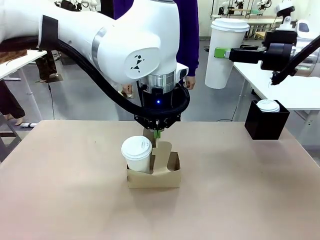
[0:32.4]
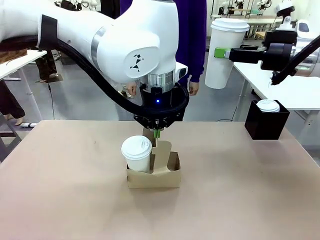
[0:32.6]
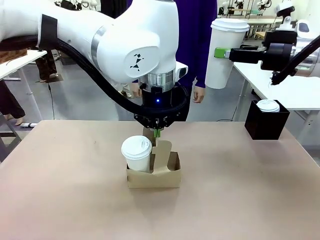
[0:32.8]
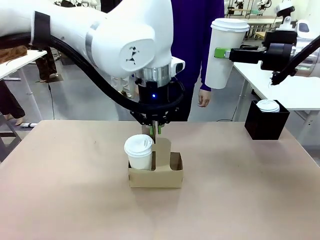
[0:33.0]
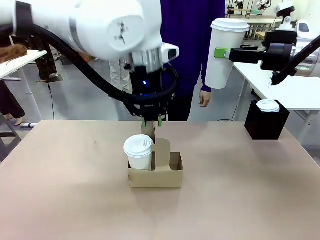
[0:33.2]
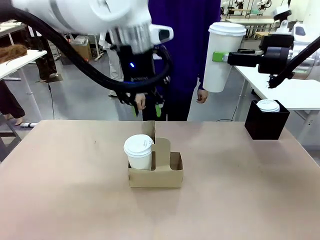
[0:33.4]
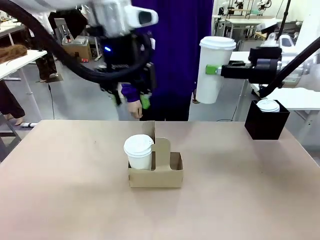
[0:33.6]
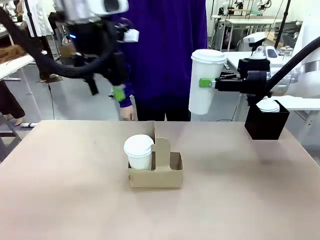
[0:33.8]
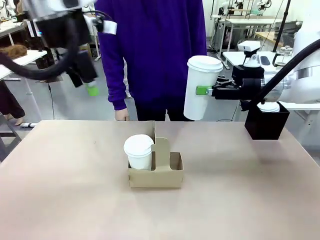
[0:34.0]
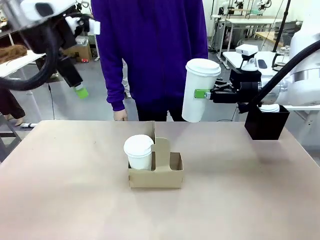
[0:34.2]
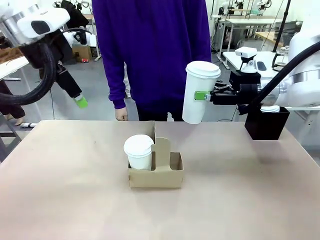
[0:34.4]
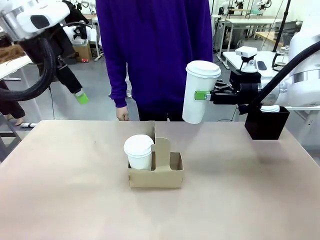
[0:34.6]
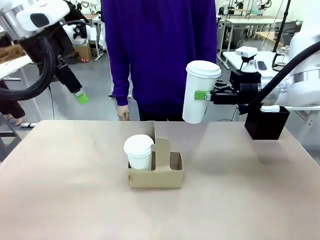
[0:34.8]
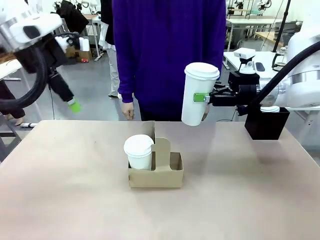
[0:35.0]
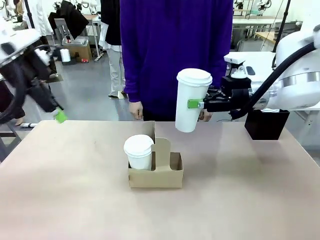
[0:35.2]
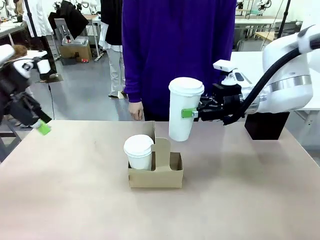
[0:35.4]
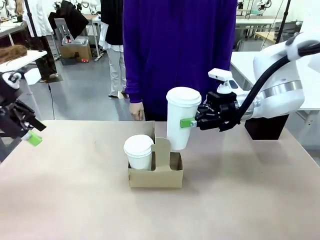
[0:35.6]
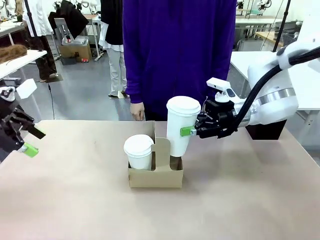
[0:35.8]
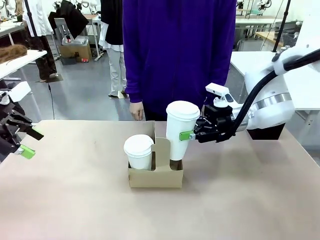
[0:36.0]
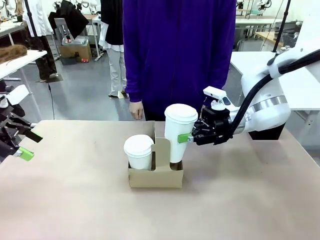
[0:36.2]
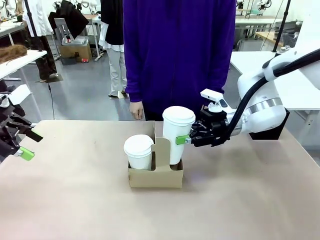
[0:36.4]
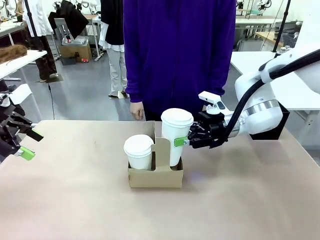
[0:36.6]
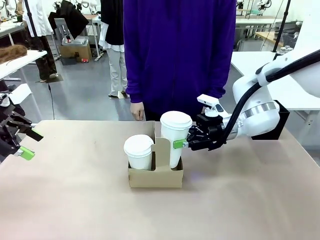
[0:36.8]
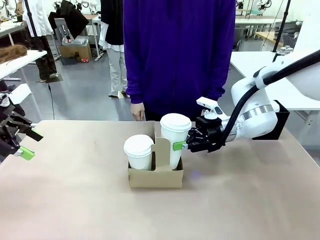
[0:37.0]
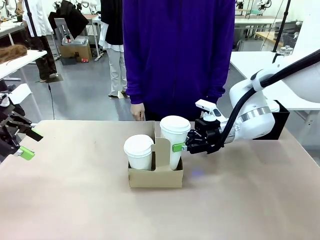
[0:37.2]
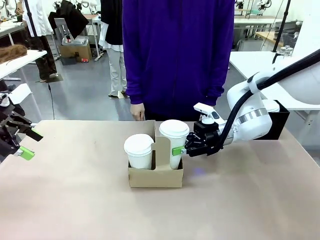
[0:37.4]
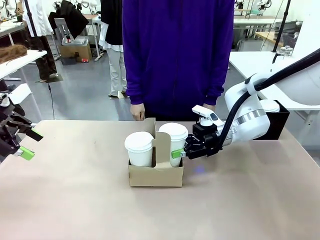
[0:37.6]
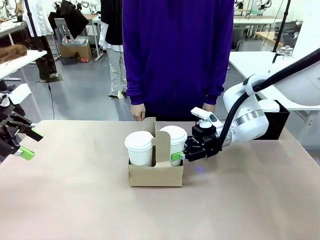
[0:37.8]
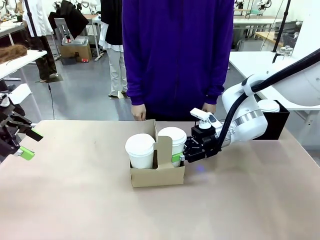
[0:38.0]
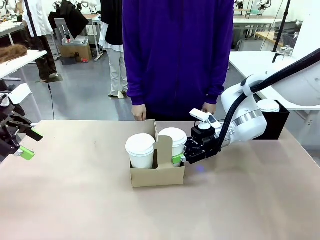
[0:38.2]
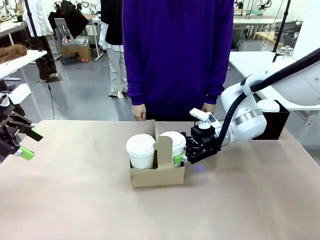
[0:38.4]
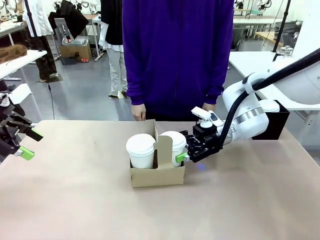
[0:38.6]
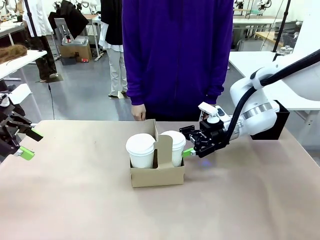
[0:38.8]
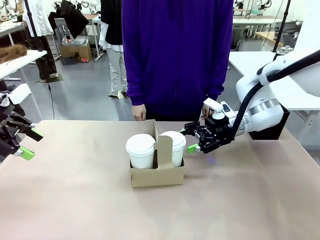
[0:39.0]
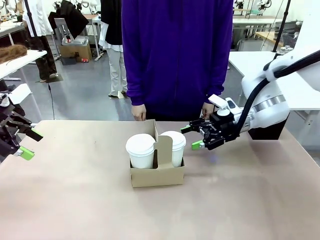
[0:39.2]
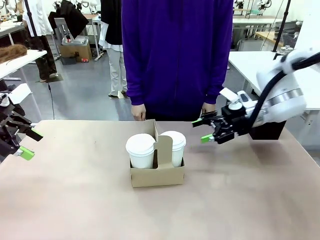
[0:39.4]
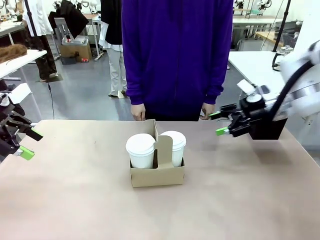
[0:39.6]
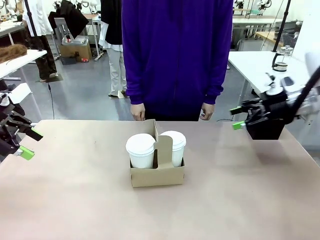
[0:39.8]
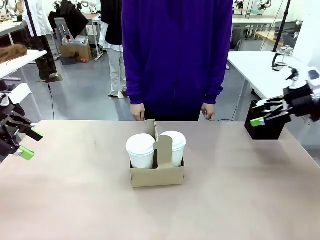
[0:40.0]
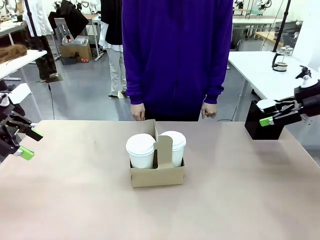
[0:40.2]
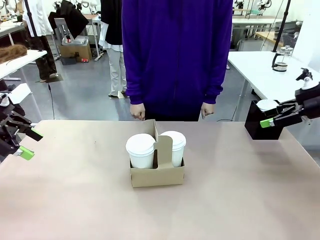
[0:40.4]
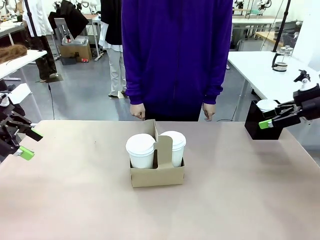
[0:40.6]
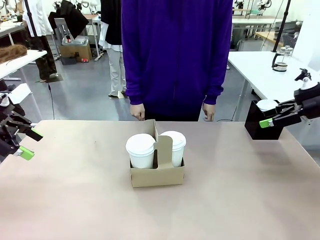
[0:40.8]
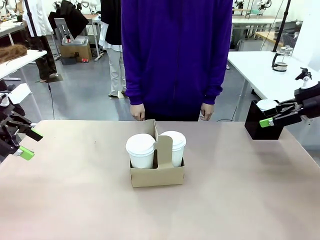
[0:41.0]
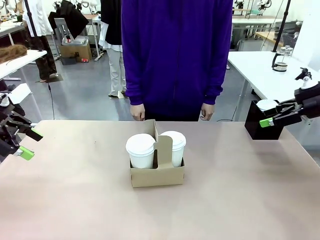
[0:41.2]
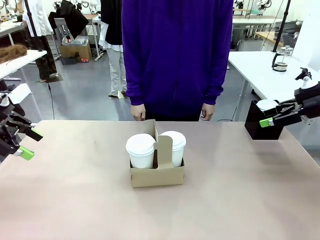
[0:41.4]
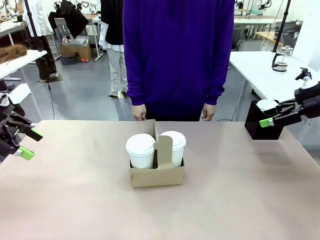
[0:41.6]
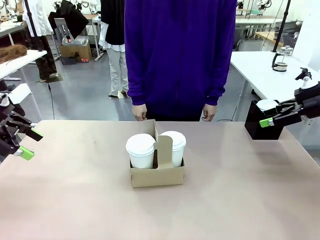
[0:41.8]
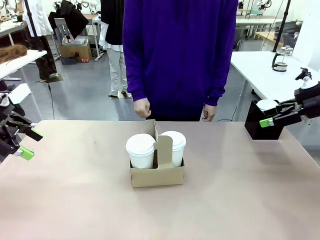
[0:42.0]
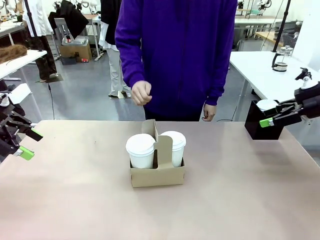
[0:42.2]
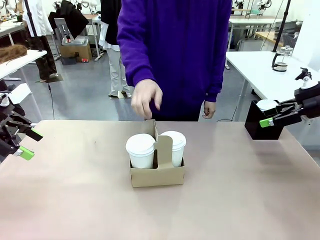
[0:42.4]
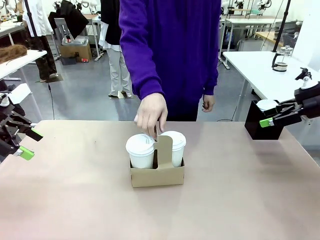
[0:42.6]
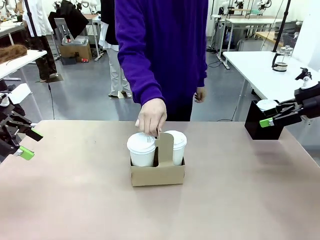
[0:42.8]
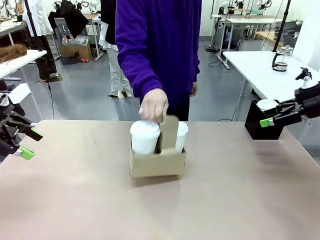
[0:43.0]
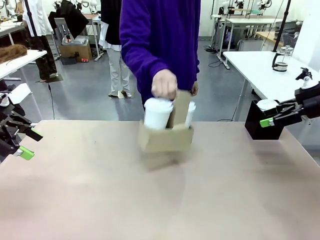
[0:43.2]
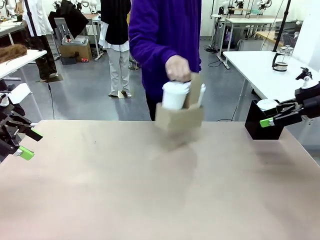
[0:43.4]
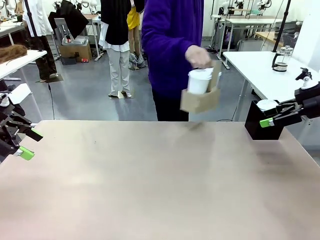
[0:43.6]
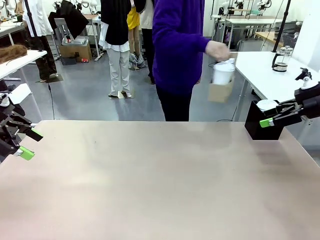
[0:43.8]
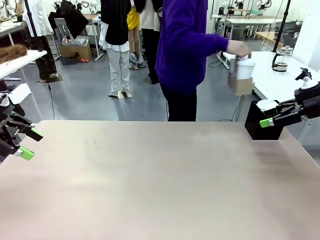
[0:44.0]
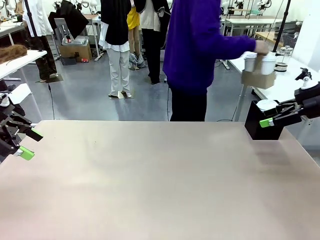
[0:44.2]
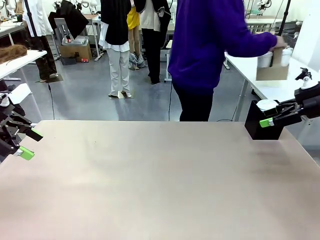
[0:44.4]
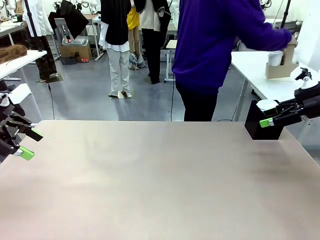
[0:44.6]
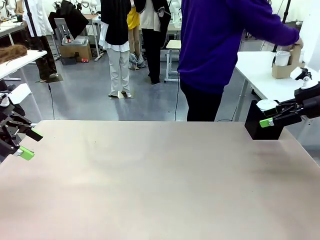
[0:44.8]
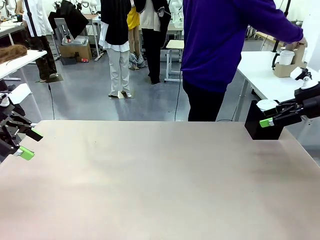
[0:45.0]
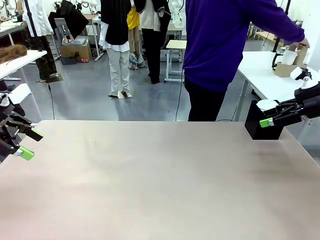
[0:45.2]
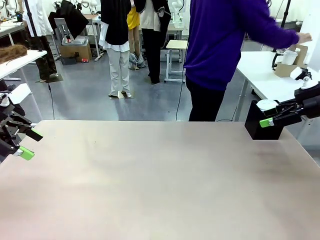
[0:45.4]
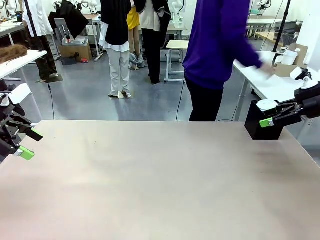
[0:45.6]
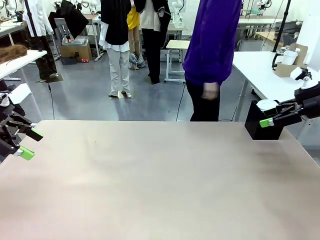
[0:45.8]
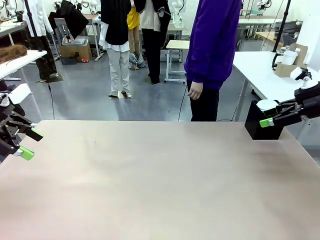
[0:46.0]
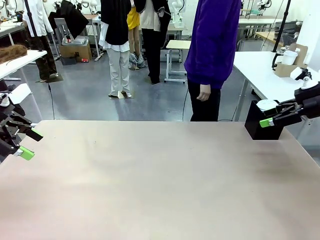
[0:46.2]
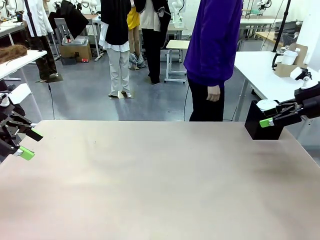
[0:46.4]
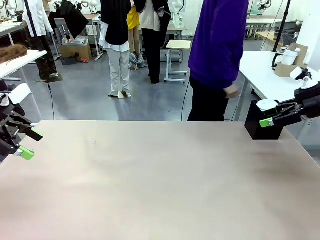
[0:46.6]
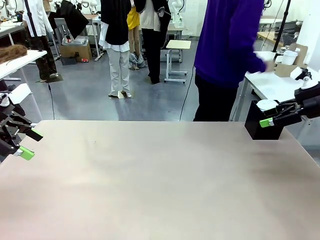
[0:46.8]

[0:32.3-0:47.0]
Task: Pour a drink into a cup and package it in a carrier.
Robot: Insert the held 600 ml Paper Cup into the Cup Carrier.
Person: Place the Cup Carrier to the middle of Human table.

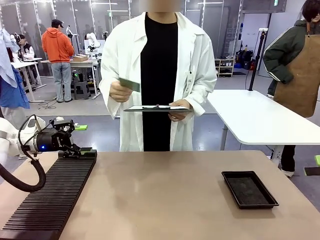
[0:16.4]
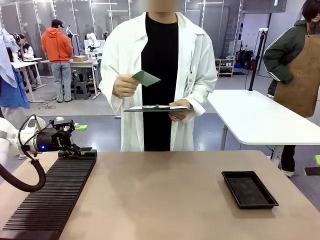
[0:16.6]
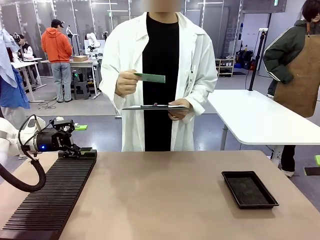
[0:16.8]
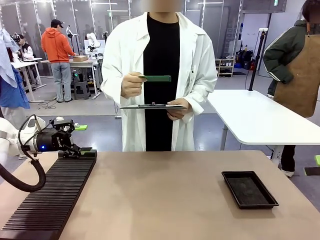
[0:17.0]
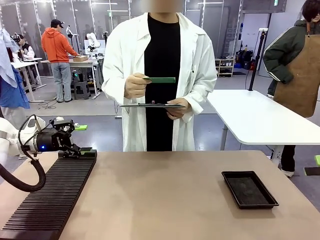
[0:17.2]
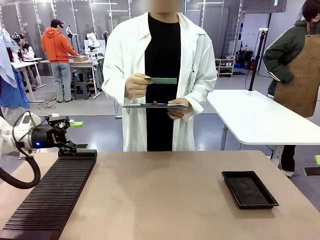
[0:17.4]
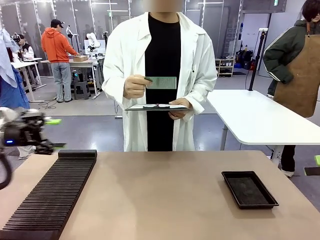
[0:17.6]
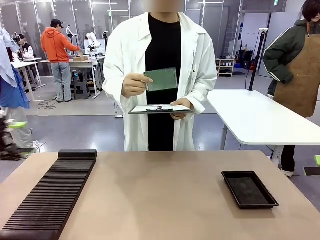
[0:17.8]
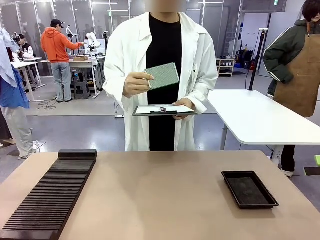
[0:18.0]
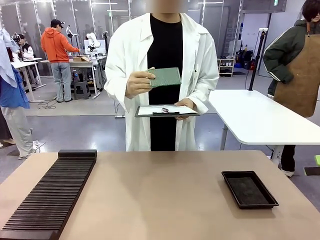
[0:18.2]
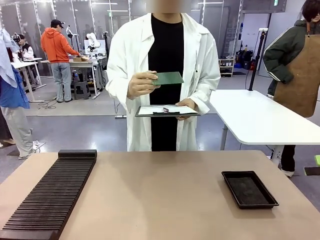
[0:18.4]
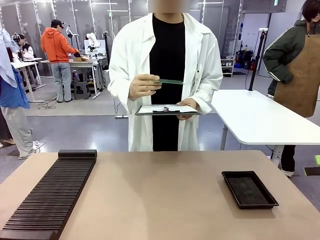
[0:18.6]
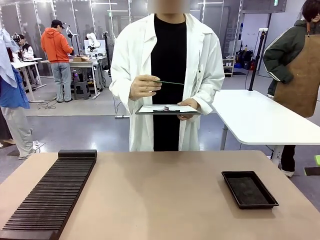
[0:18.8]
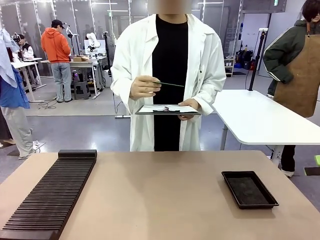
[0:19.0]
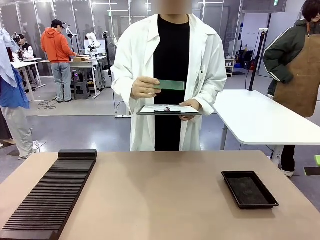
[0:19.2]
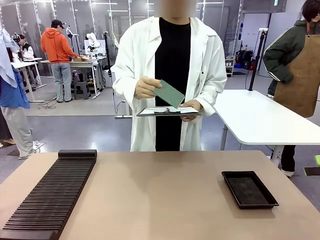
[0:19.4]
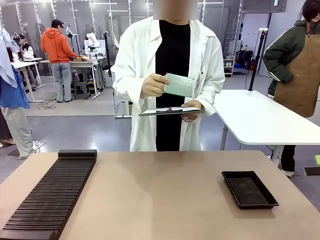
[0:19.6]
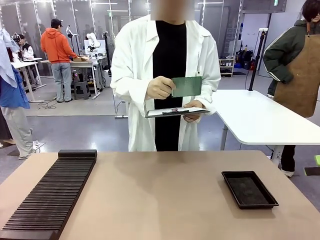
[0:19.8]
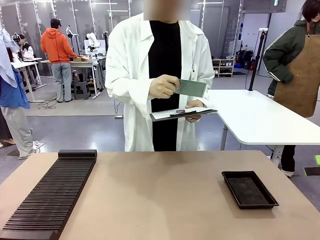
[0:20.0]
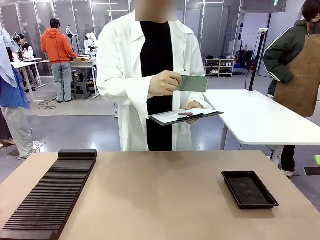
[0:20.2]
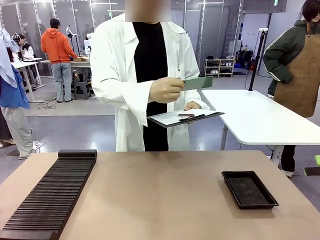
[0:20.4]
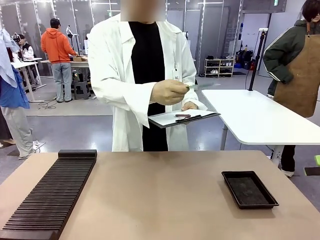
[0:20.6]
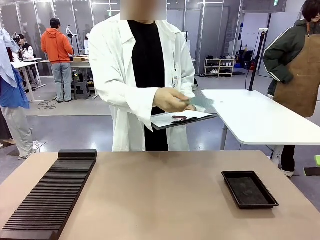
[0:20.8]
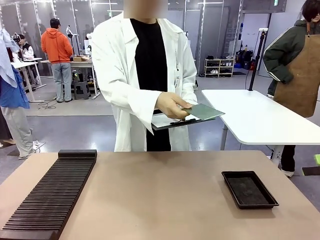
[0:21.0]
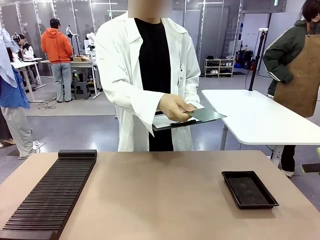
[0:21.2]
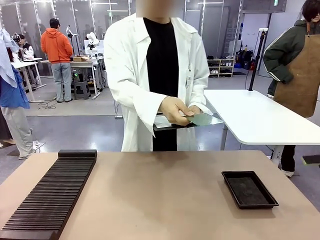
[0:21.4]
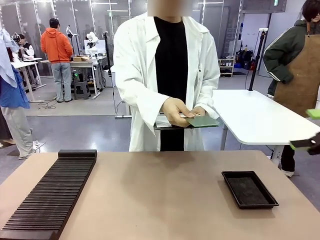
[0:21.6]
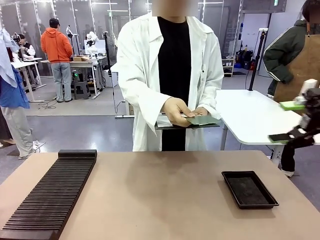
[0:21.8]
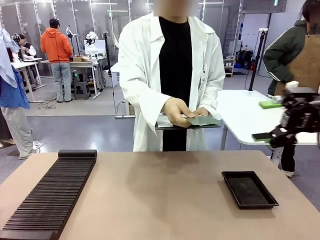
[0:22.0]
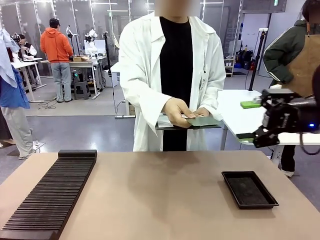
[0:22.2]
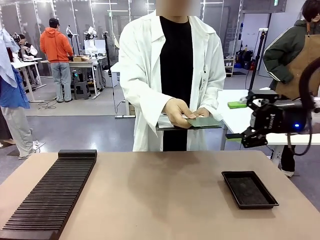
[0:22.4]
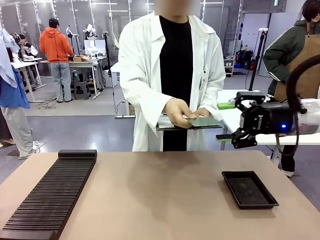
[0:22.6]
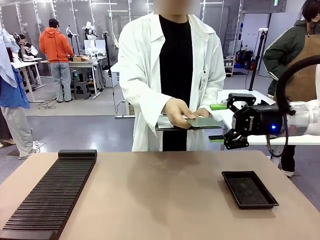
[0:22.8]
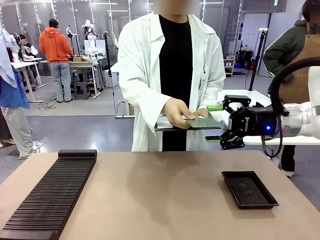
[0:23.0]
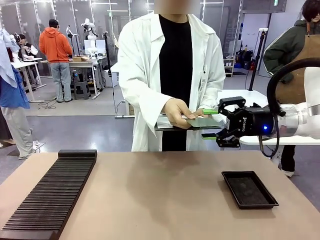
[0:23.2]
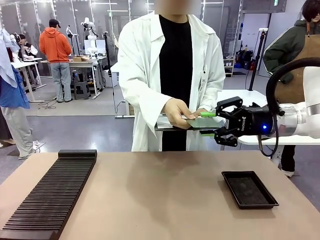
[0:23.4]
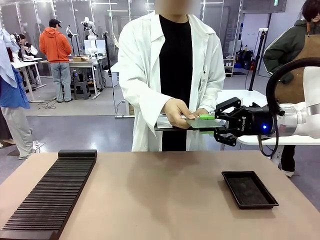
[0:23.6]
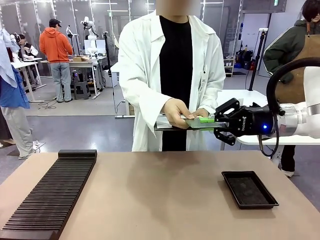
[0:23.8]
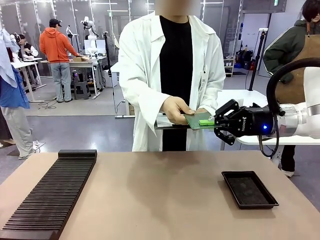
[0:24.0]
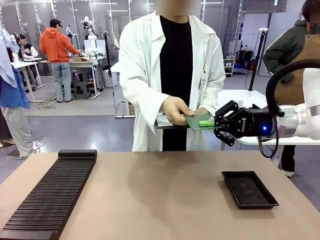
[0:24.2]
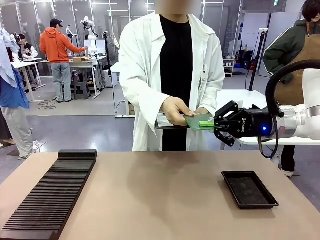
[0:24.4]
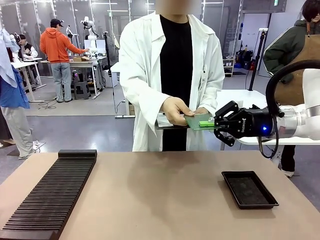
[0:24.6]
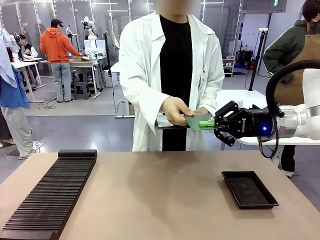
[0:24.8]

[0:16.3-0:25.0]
Task: Inspect the PCB.
Robot: Pick up the Blank PCB that the human is holding.
Person: Inspect the PCB placed by the robot, then hold it out in front of the robot. Release the PCB you were holding.
